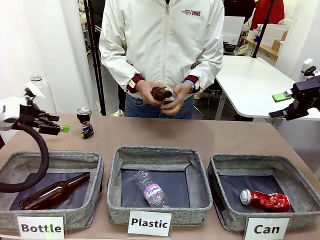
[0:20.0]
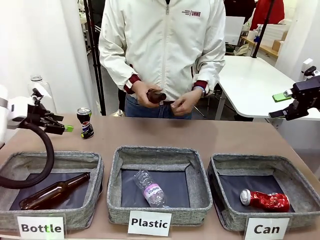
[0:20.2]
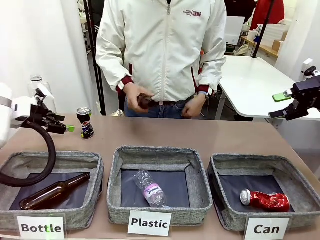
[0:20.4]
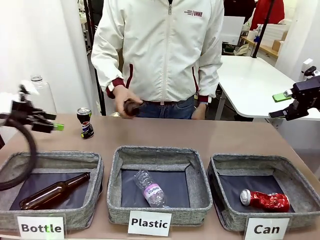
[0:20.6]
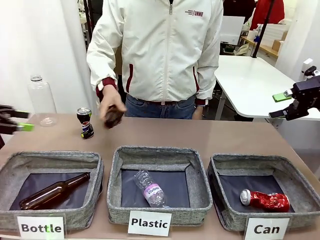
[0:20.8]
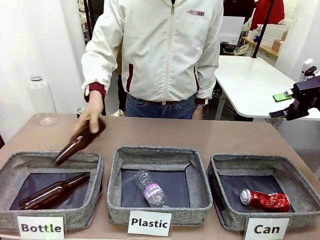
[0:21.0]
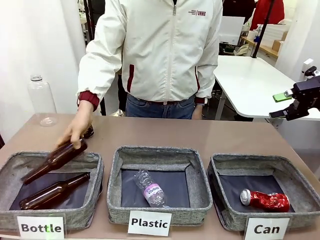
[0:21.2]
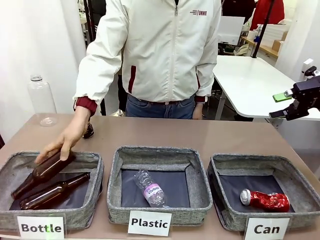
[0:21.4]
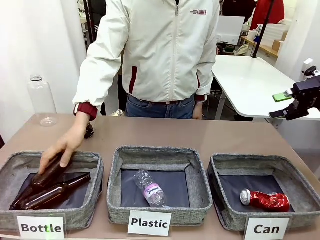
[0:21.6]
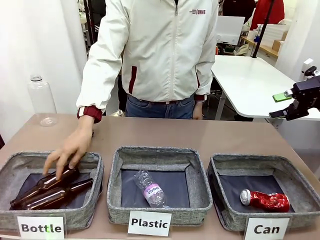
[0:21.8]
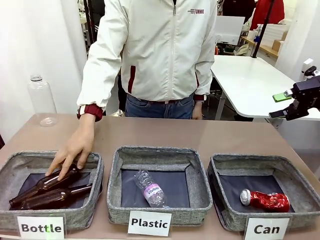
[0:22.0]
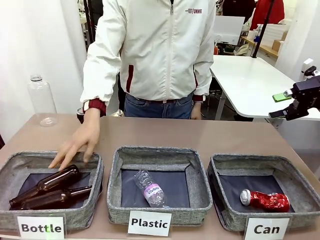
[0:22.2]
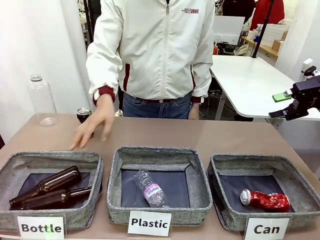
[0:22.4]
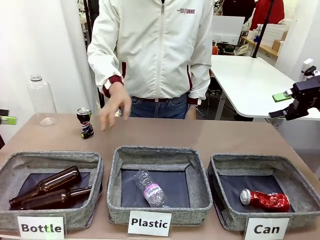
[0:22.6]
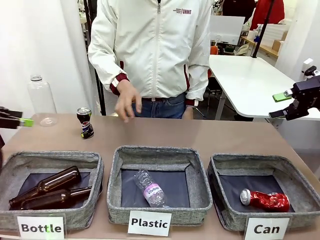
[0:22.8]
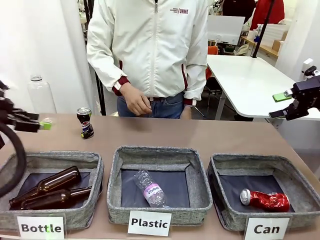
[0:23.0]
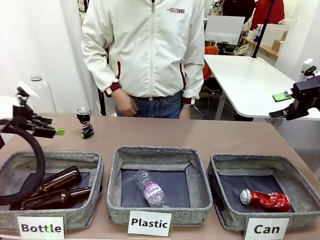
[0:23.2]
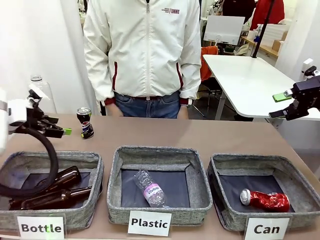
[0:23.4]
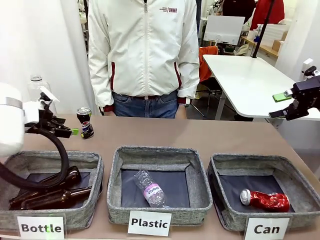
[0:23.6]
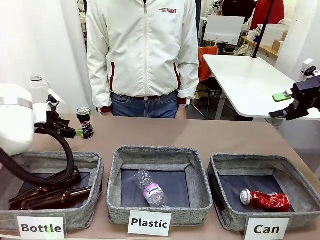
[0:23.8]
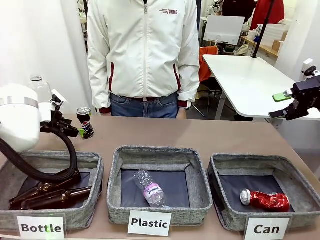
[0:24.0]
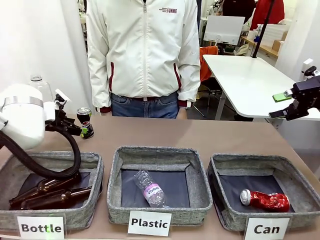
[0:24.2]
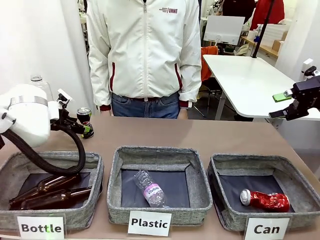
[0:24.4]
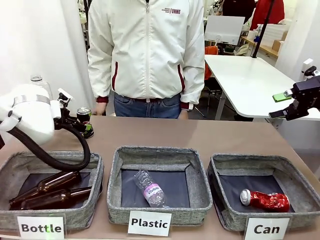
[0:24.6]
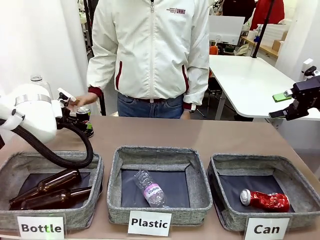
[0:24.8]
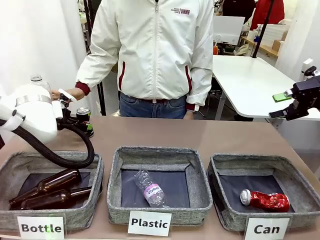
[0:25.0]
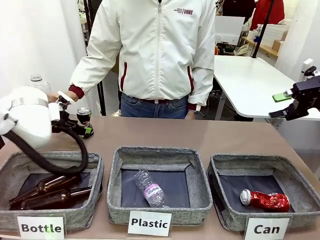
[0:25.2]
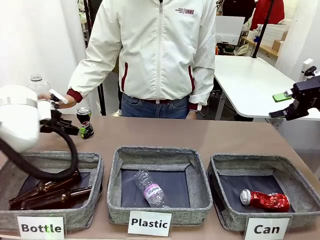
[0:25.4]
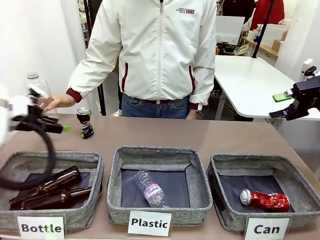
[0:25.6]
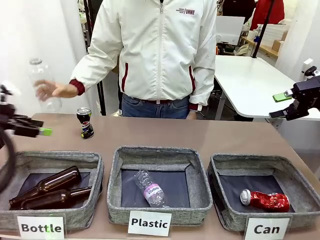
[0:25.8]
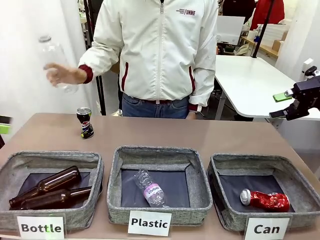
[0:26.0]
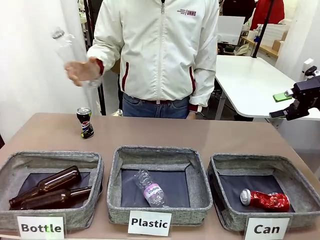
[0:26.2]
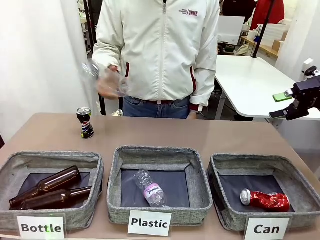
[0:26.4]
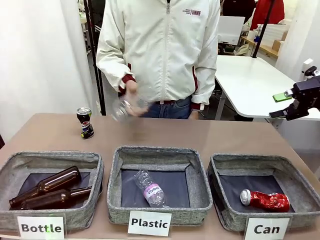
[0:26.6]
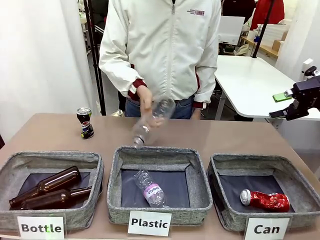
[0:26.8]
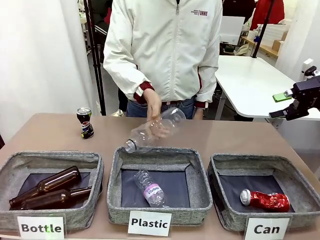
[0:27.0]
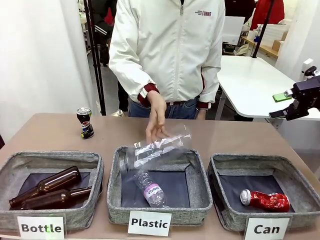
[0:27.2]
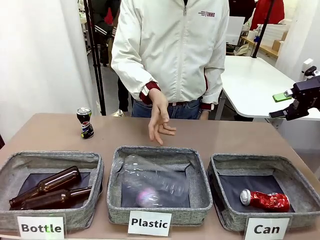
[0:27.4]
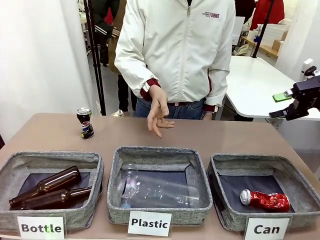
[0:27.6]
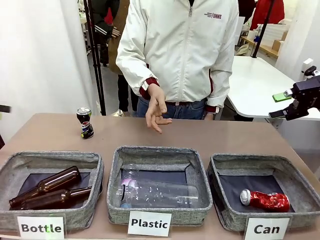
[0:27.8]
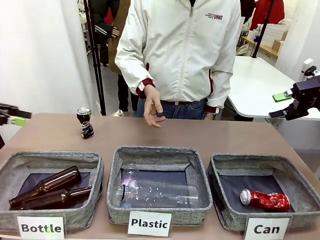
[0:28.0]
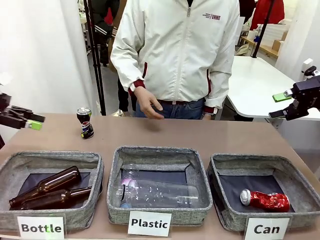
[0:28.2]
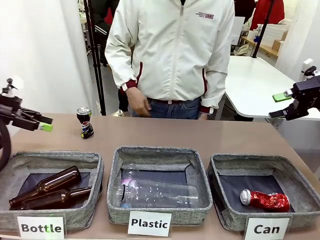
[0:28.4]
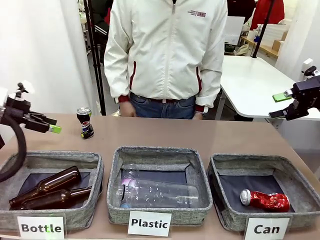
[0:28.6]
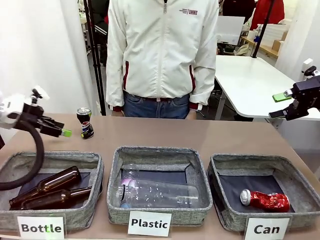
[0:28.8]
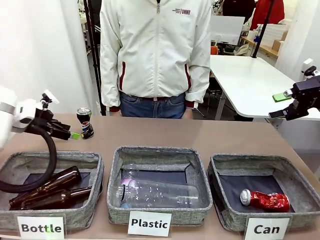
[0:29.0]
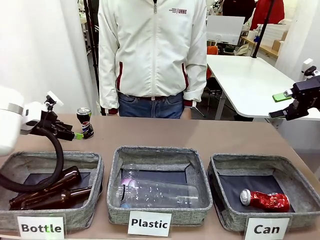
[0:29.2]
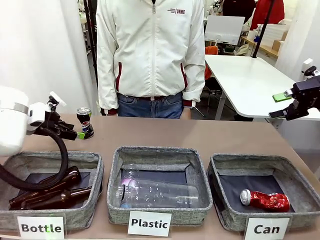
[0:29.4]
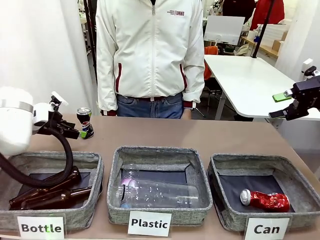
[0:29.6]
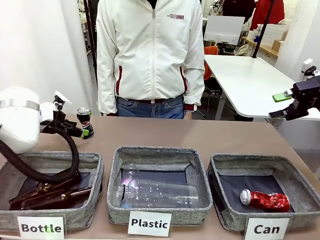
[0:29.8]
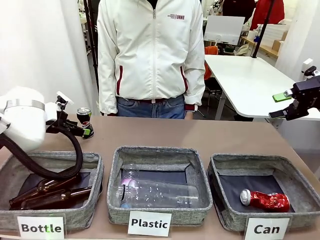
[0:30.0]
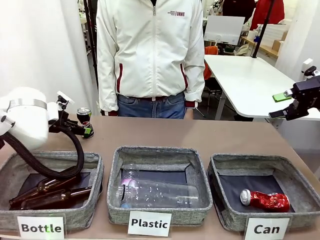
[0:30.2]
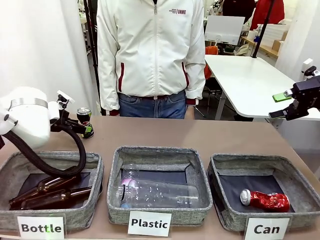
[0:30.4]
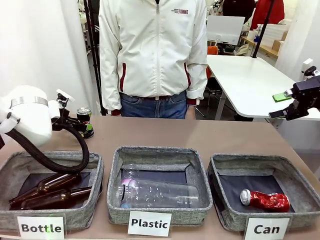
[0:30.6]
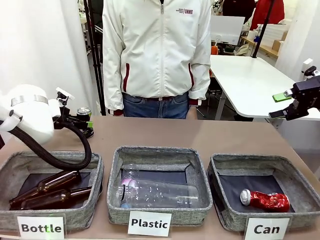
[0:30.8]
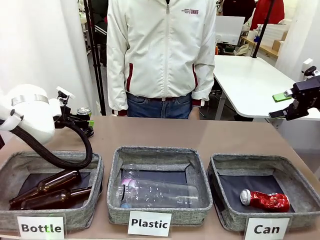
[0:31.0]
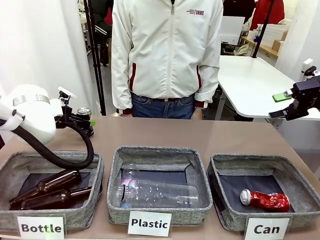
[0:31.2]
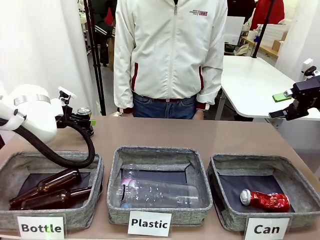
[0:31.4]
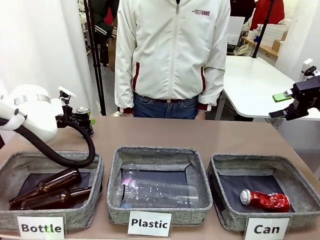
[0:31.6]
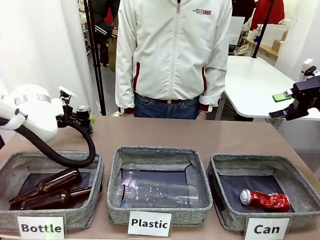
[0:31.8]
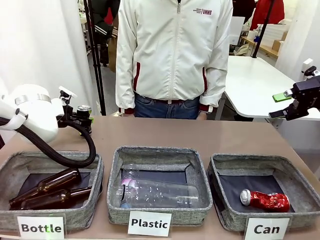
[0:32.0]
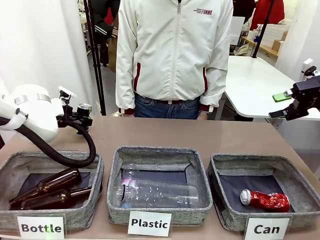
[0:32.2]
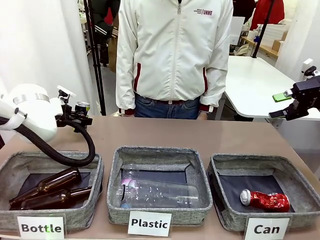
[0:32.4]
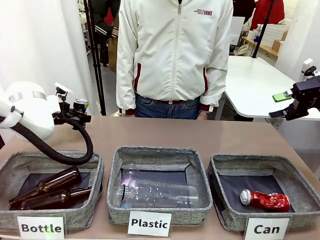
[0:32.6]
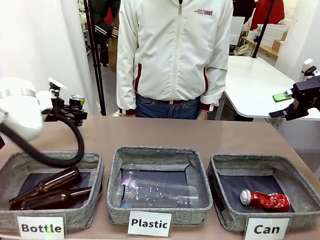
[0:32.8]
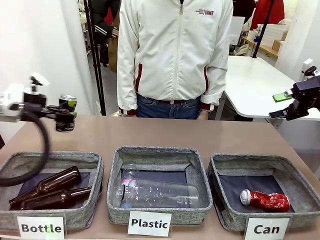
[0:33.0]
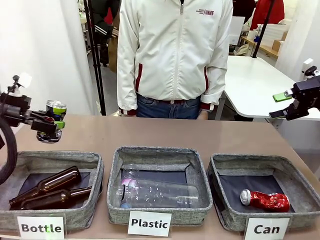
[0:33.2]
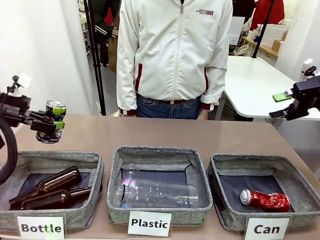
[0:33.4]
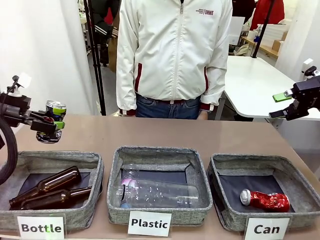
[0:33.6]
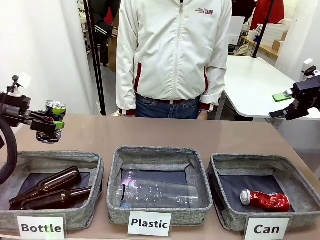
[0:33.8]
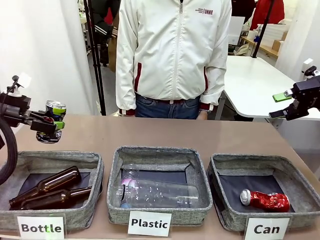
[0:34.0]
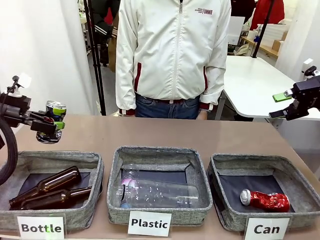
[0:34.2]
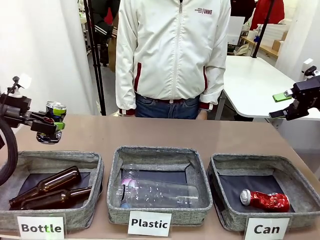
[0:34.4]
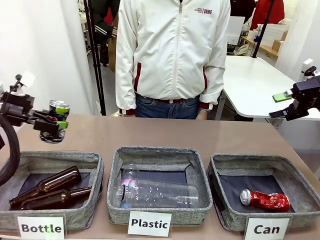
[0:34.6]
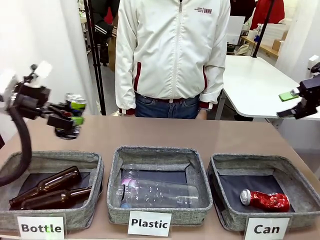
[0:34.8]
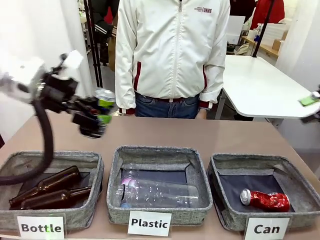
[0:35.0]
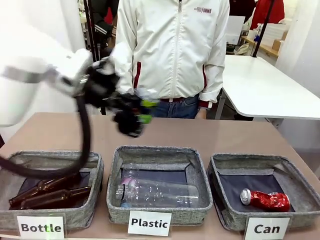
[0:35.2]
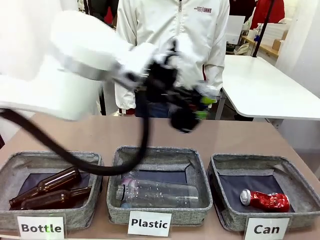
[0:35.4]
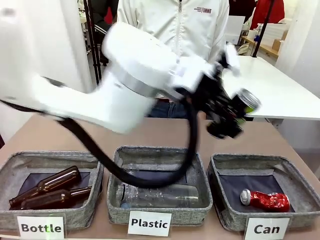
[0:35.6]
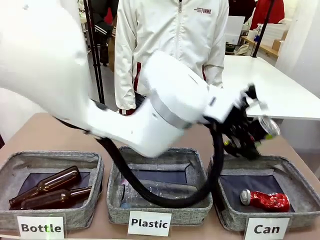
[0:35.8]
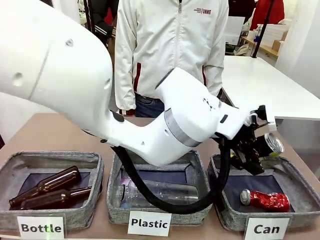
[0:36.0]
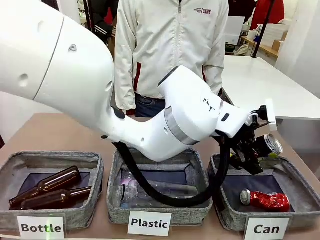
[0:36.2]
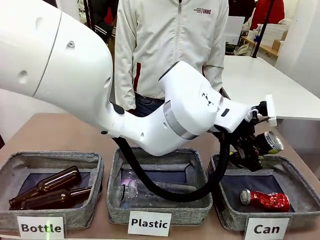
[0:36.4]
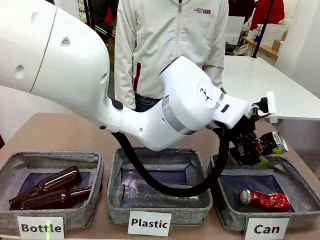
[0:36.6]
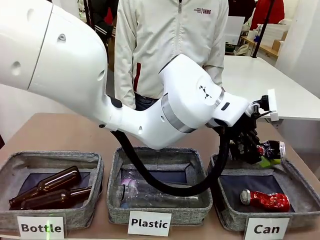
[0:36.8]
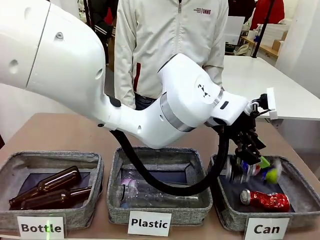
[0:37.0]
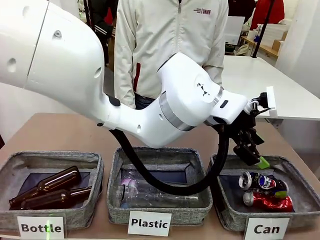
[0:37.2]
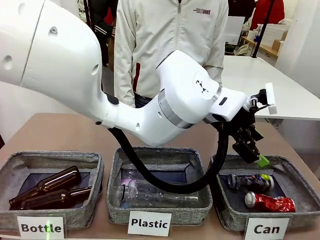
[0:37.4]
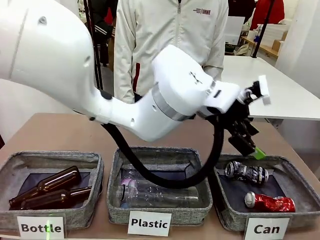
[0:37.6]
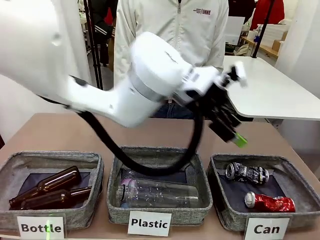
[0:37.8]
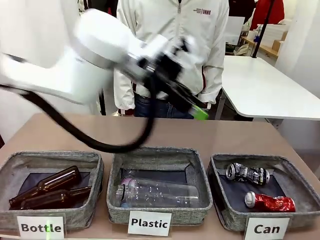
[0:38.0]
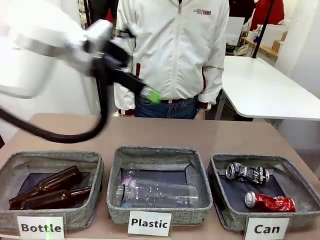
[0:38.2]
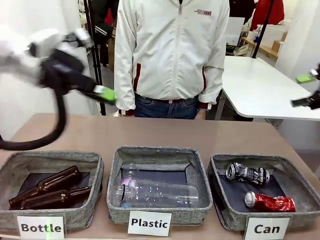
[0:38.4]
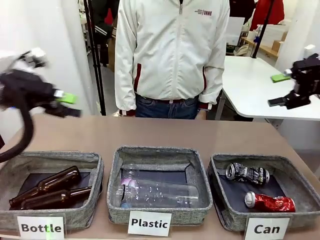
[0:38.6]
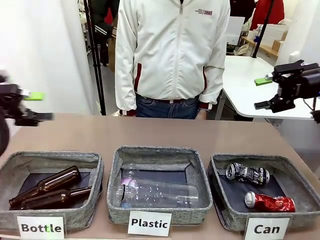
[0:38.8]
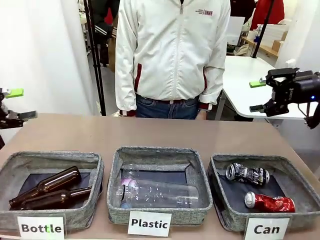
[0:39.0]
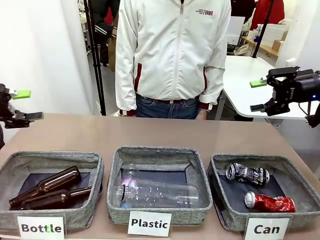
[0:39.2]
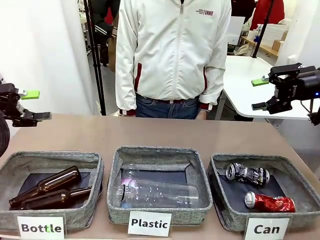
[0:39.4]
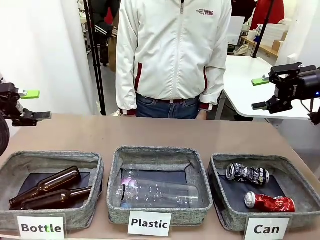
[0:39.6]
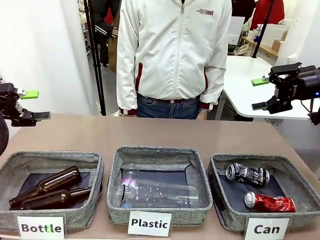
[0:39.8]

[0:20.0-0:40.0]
Task: Sort the can waste into the basket.
Robot: Pick up the can waste from the table and place it in the right Fabric basket.
